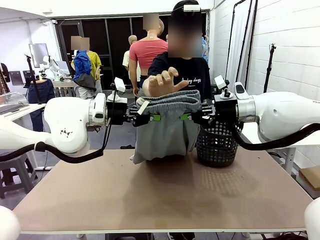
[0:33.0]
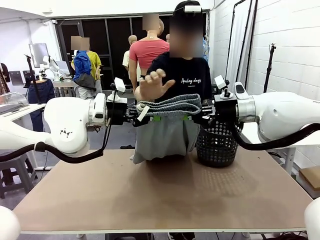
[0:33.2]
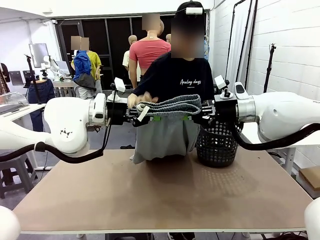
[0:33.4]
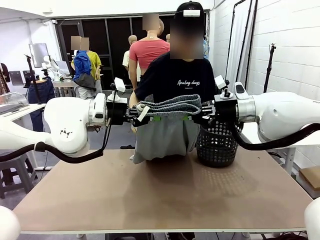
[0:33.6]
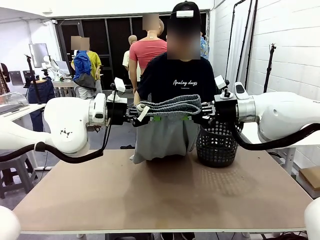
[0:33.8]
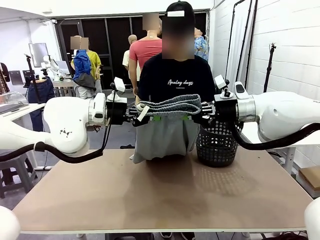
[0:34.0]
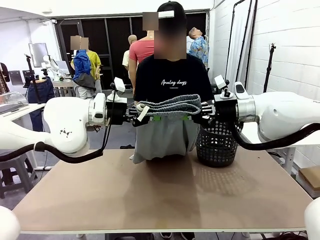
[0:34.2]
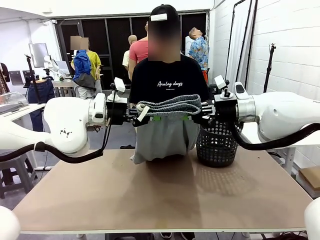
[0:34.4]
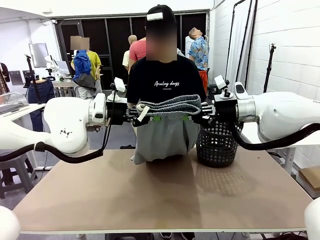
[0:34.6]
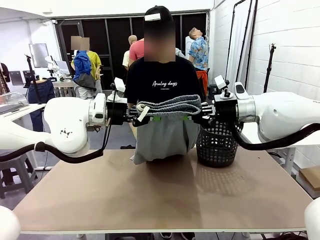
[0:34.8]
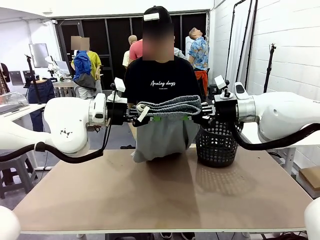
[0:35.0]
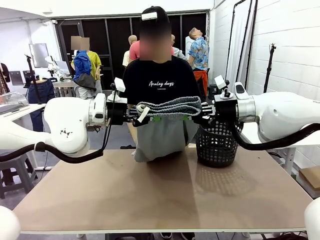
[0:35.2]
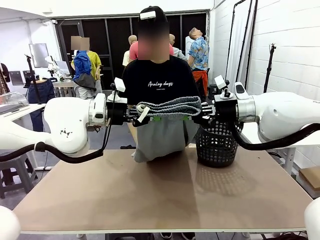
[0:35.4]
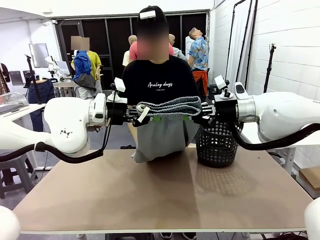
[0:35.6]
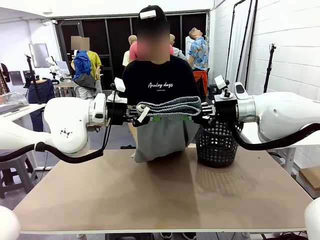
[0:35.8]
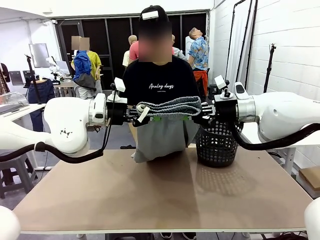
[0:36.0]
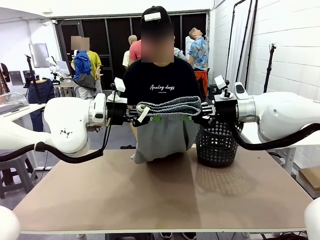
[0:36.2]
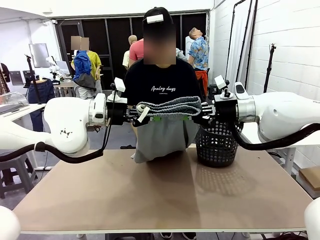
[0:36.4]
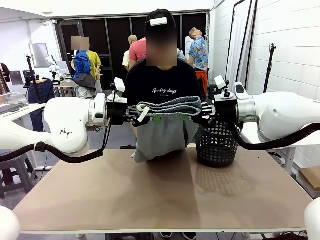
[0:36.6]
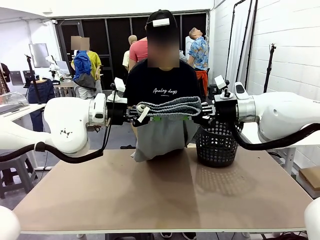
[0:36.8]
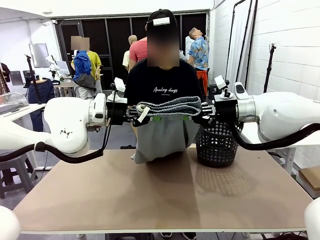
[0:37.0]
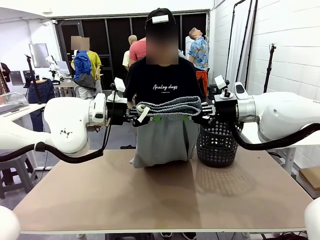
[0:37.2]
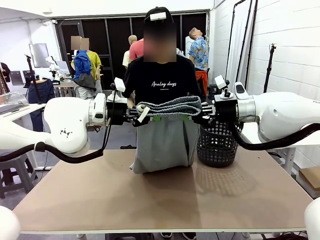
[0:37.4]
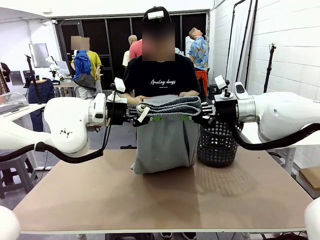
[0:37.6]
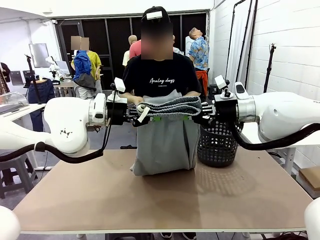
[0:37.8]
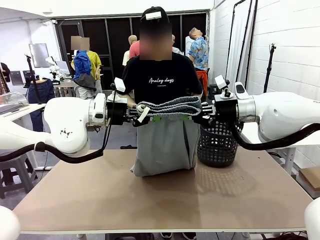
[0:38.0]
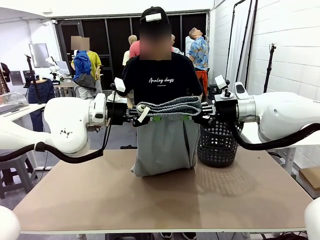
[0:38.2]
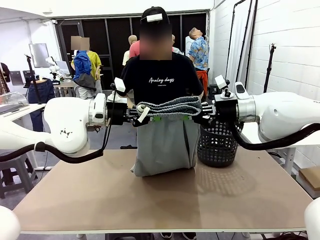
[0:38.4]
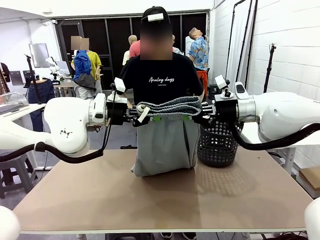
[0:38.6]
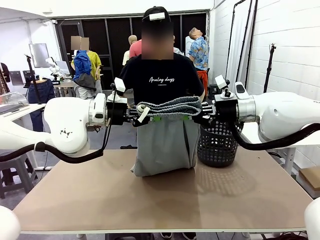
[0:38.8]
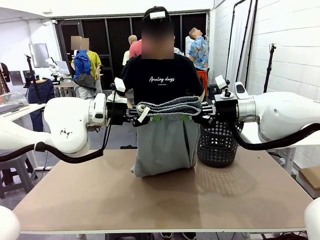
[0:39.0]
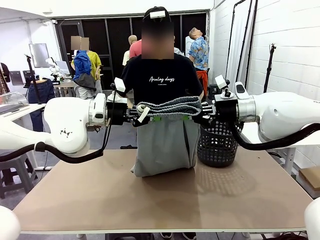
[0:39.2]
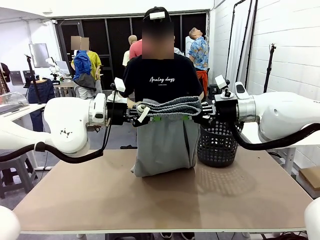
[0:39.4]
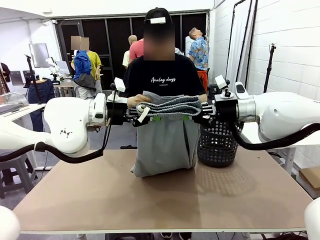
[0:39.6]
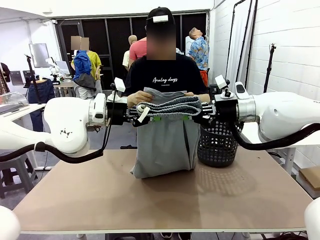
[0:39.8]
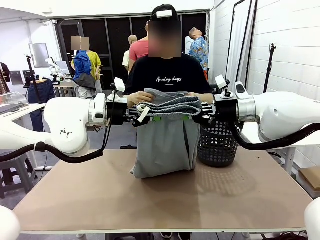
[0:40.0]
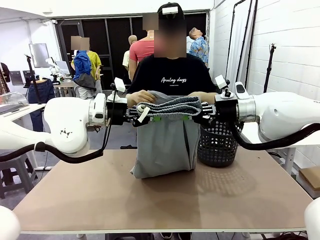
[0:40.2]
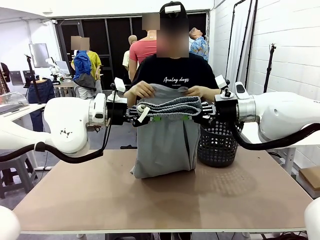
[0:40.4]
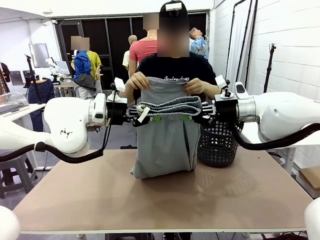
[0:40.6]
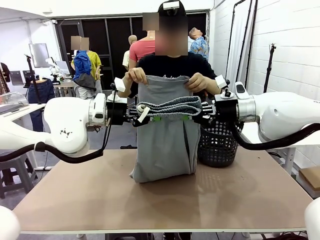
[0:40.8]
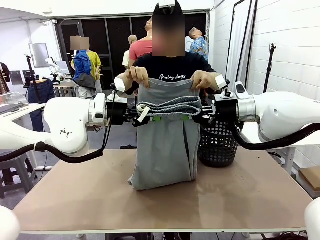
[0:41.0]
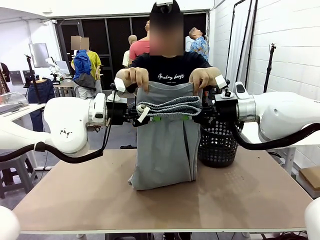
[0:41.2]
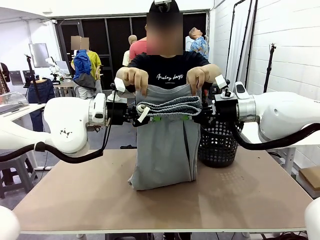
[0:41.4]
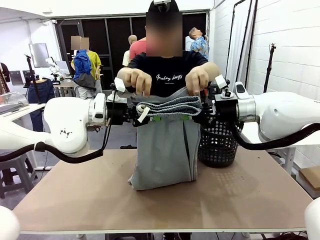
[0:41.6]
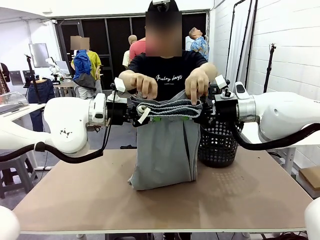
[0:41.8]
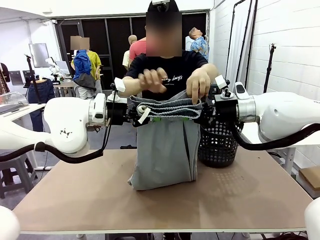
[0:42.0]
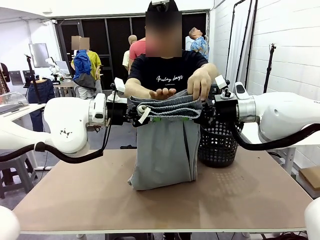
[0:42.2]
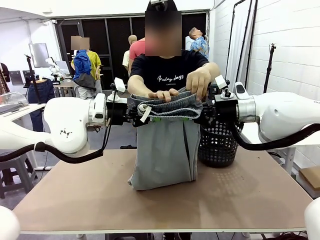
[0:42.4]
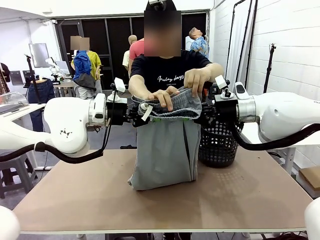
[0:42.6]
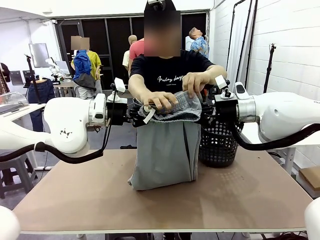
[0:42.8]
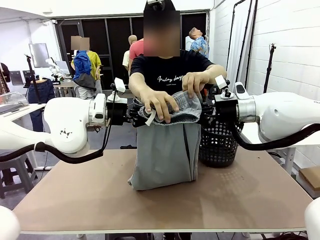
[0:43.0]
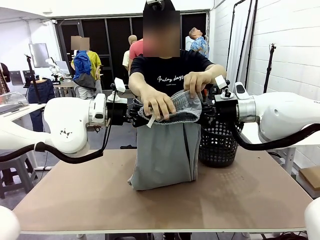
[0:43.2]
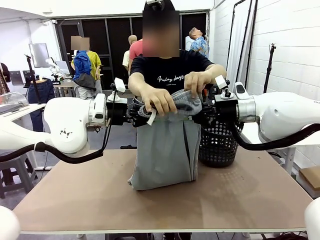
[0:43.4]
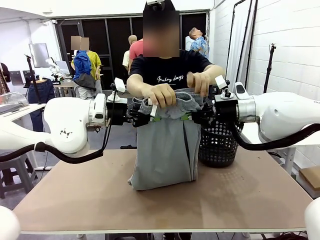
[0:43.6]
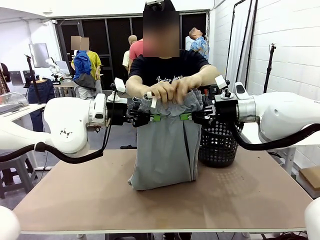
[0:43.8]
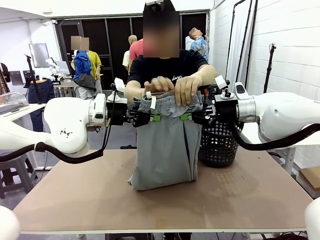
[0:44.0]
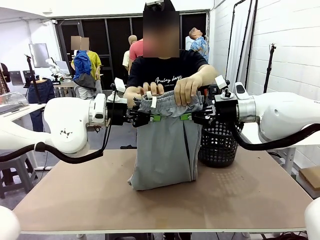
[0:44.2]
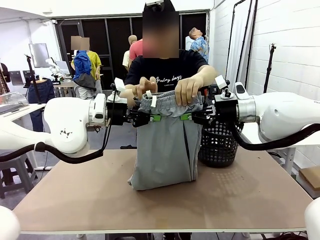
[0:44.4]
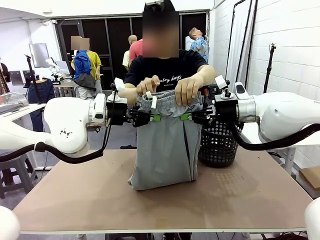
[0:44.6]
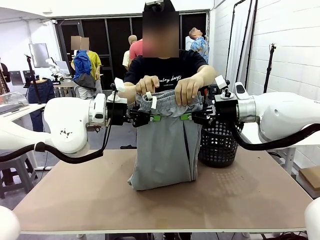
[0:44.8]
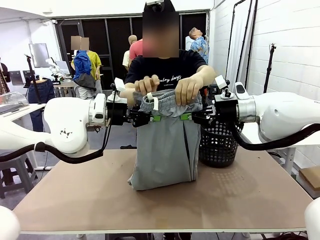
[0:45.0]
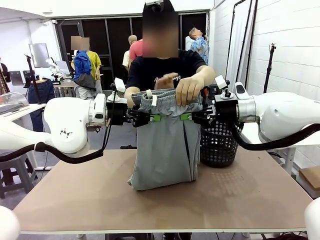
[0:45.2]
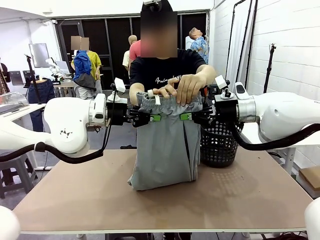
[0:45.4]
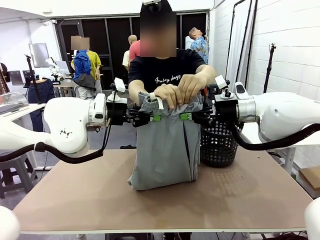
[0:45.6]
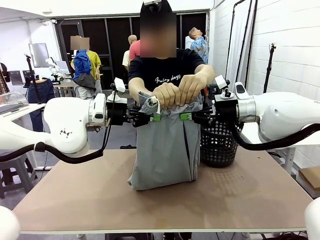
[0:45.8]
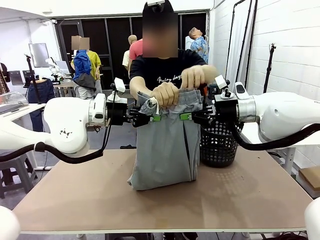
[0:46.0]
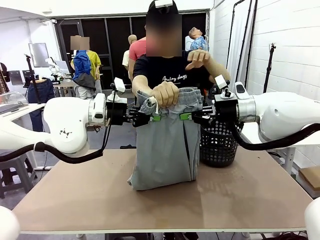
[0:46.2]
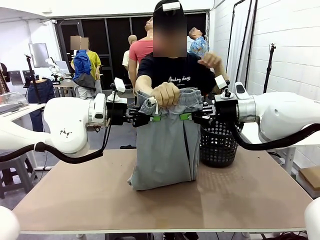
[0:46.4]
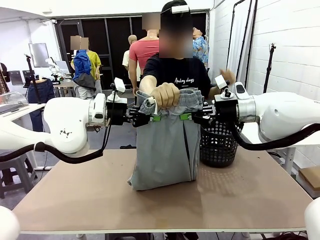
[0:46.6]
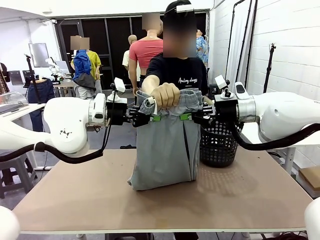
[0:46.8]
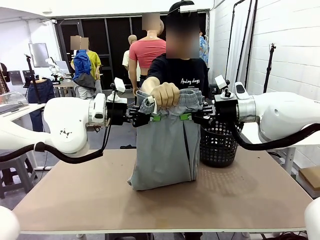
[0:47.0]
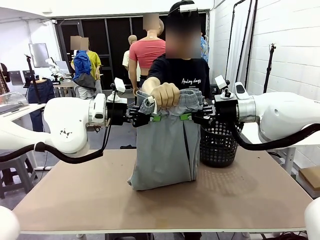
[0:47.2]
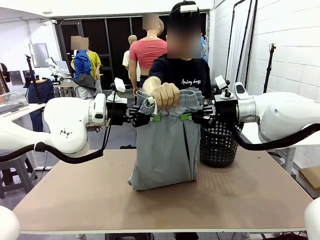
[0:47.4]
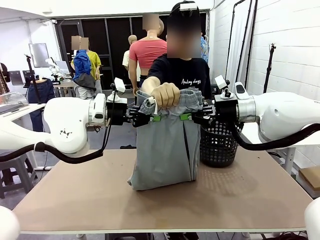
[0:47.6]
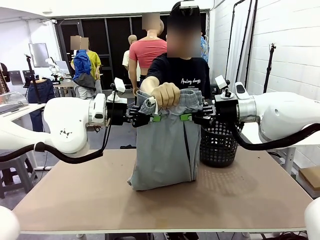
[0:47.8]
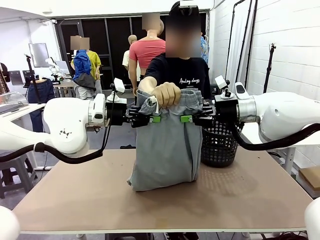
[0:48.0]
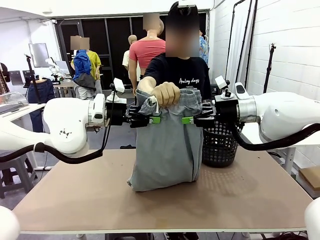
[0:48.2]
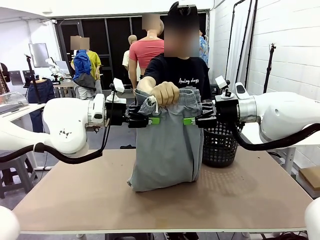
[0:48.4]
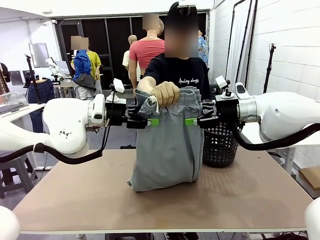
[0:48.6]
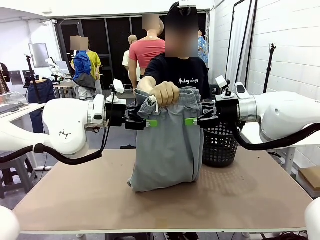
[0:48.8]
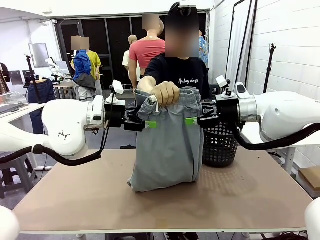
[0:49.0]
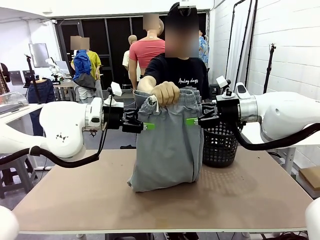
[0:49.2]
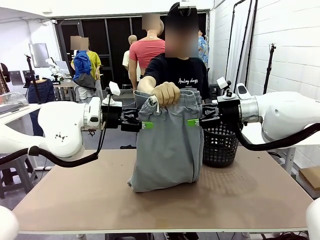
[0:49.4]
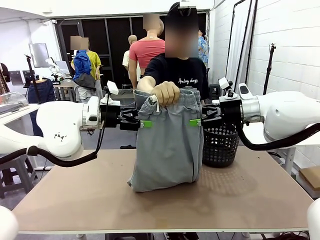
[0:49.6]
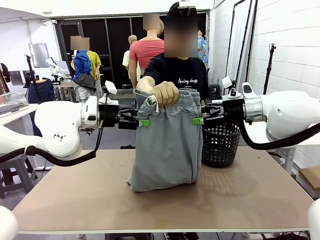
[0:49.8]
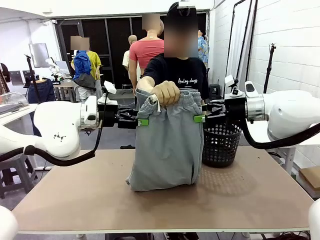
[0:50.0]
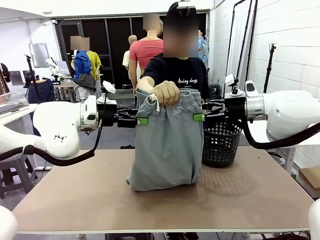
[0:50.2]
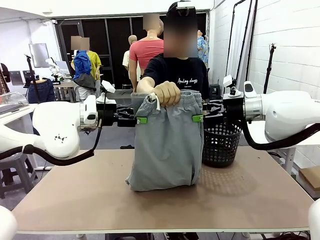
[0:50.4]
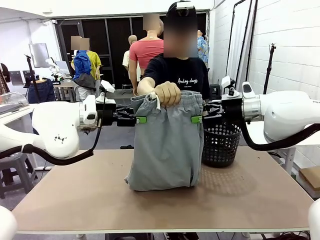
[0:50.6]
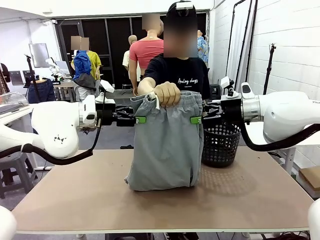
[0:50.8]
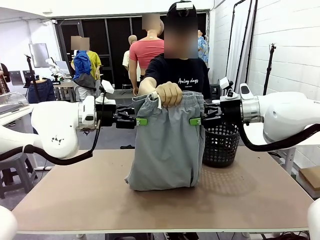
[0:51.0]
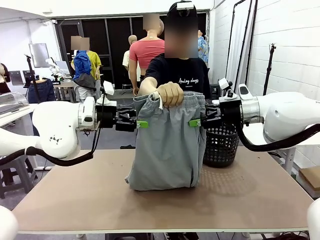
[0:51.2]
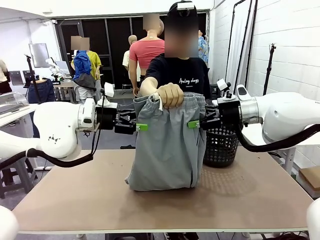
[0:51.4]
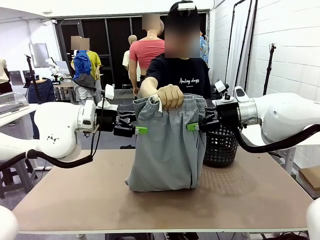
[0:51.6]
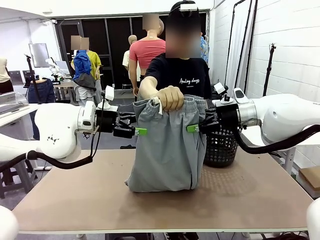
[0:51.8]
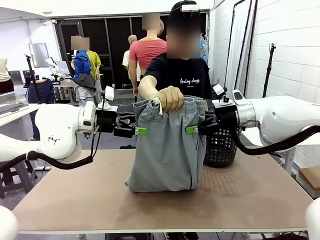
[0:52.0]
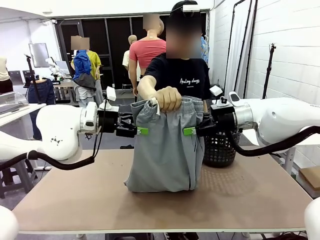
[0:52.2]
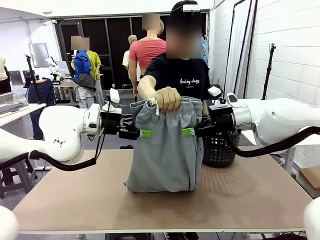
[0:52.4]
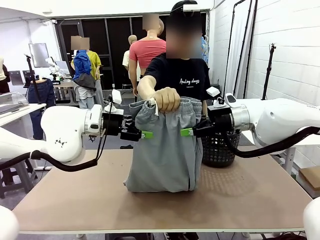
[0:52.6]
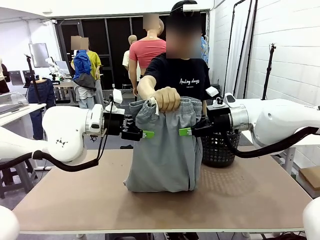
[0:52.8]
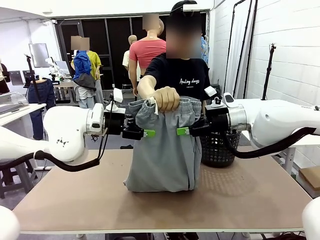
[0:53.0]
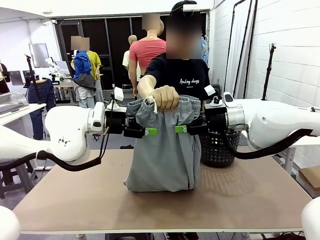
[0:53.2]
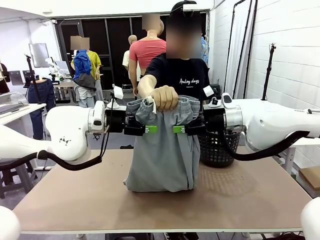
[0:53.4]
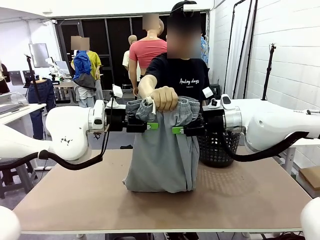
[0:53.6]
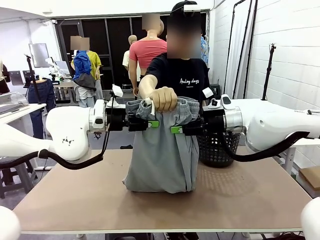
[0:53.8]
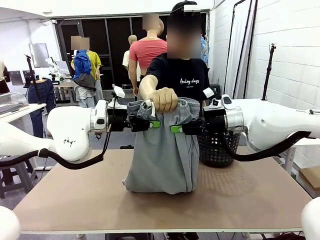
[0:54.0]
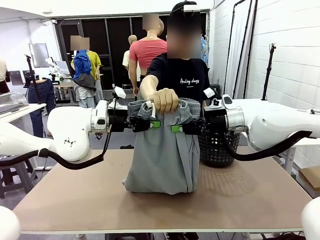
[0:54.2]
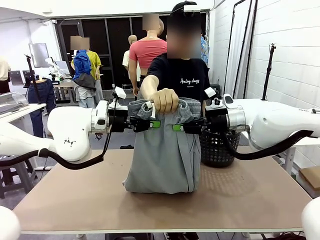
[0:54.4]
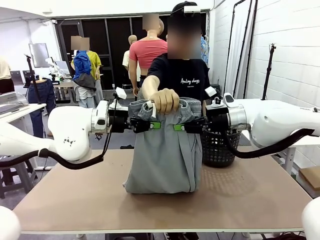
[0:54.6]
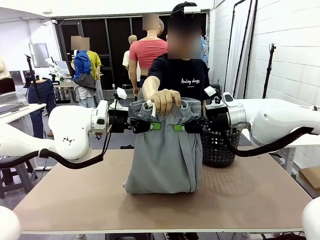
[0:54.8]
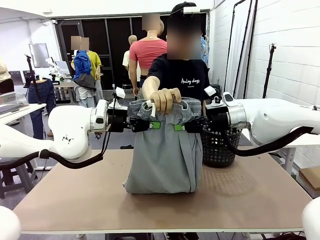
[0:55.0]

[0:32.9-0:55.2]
Task: Fold the training pants.
Robot: Release the ends of the Training pants and then grab the overlapped ends.
Person: Grasp the end opposite the point the robot is holding, fold the pants in half, and then grasp the overlapping top end of the folded pants. Release the pants you were holding.
